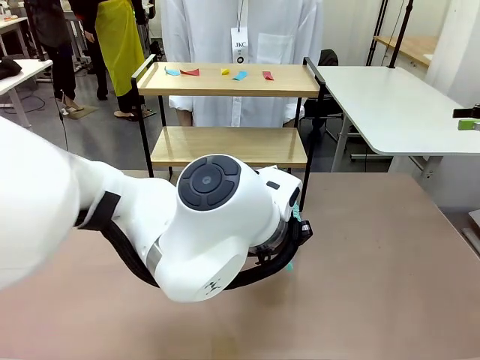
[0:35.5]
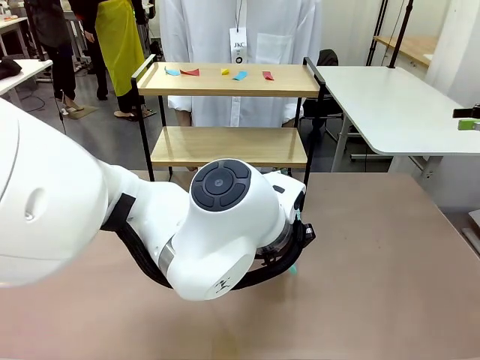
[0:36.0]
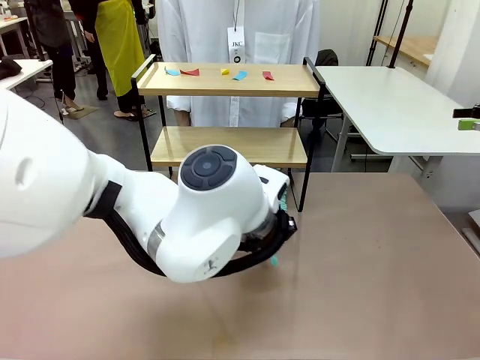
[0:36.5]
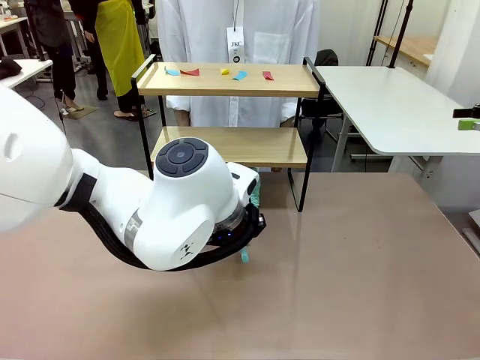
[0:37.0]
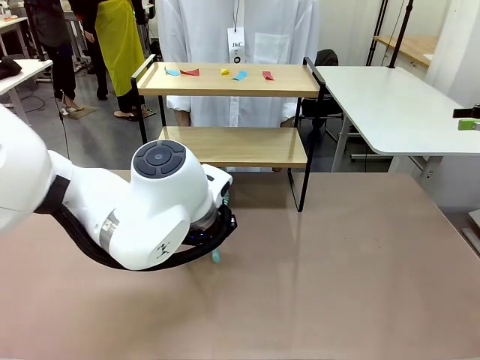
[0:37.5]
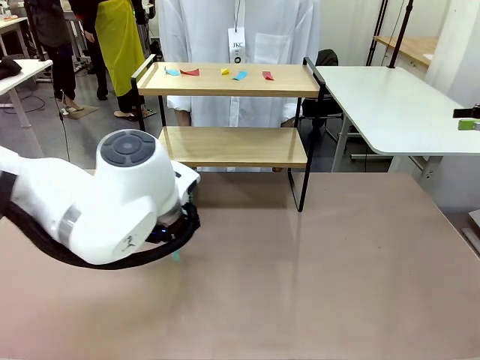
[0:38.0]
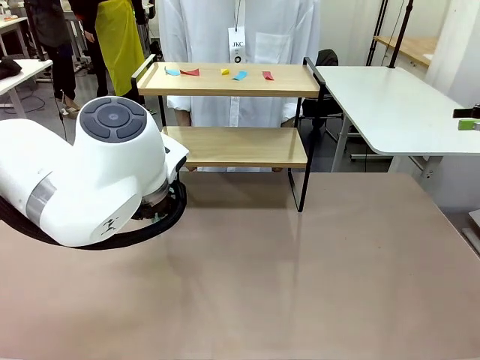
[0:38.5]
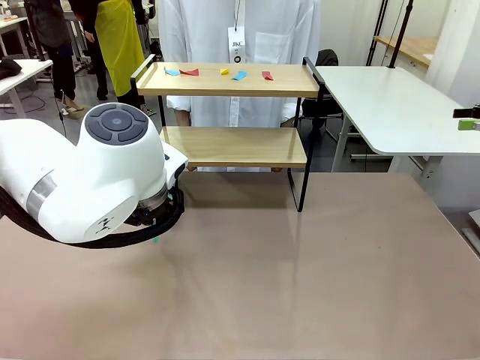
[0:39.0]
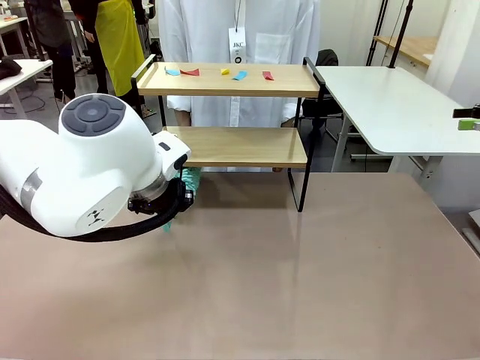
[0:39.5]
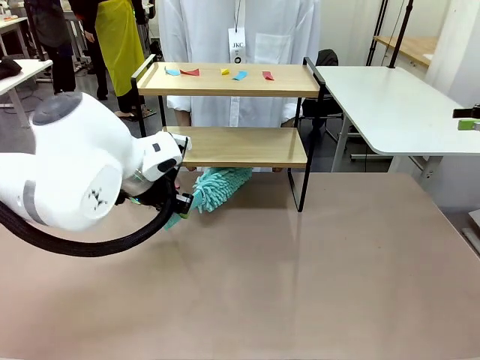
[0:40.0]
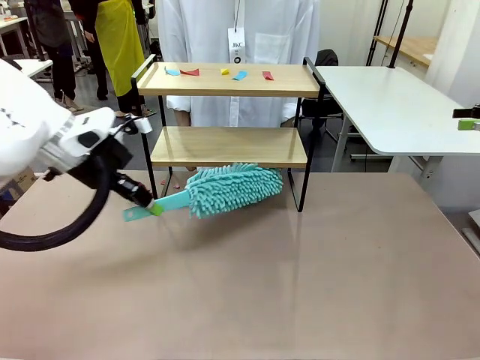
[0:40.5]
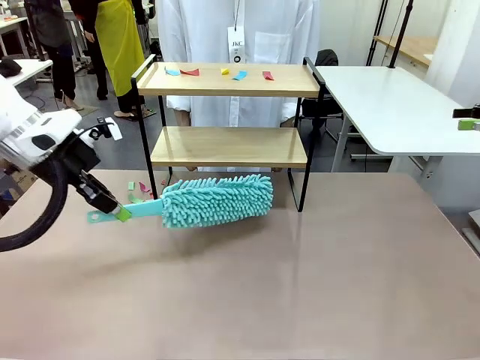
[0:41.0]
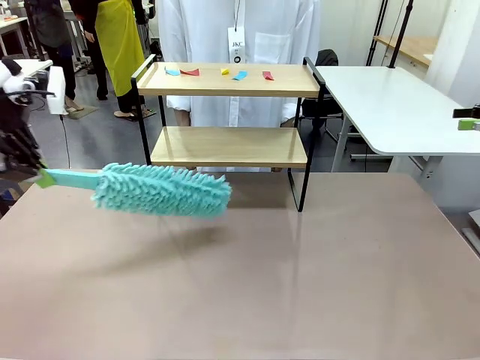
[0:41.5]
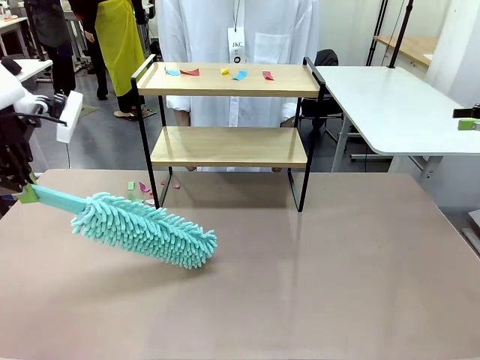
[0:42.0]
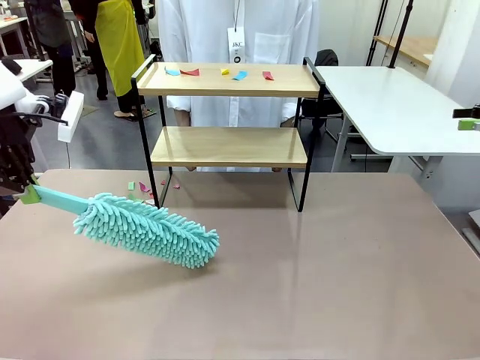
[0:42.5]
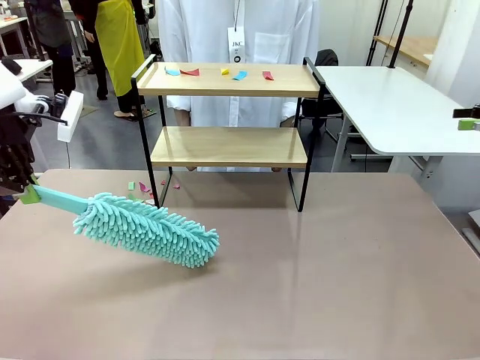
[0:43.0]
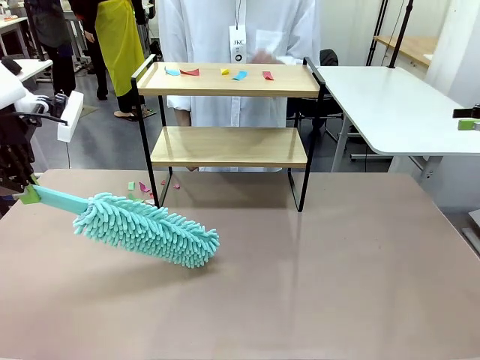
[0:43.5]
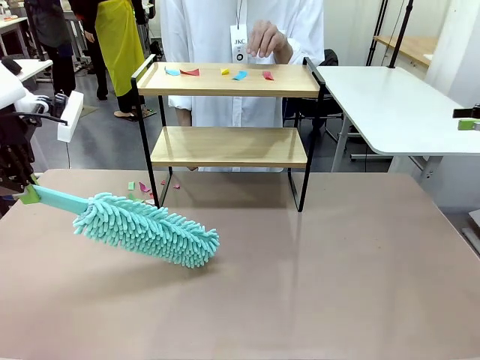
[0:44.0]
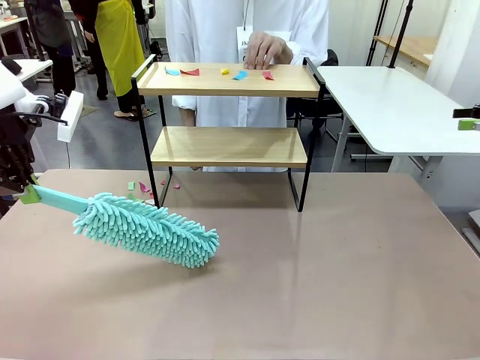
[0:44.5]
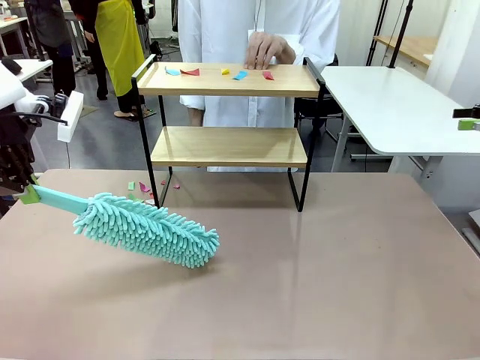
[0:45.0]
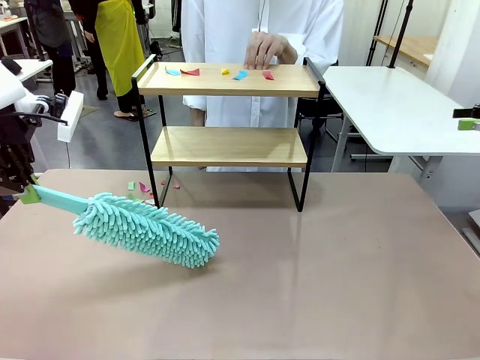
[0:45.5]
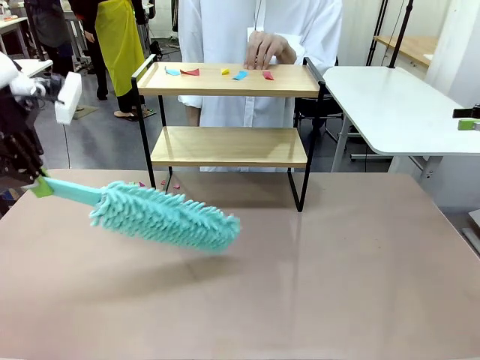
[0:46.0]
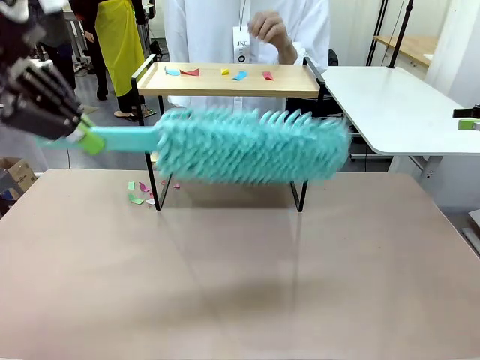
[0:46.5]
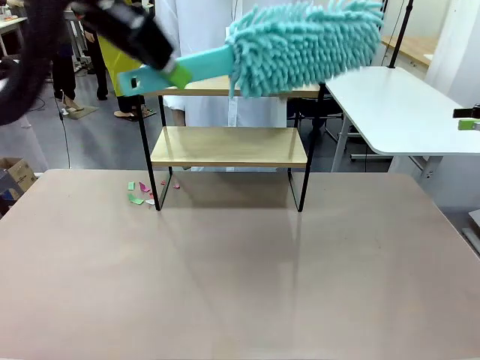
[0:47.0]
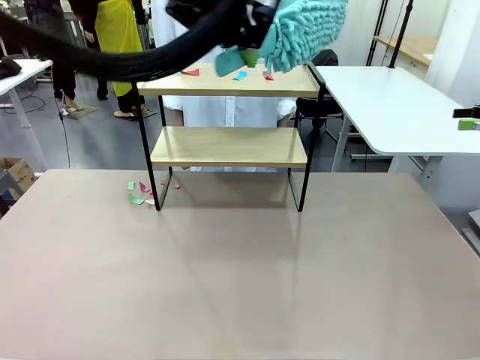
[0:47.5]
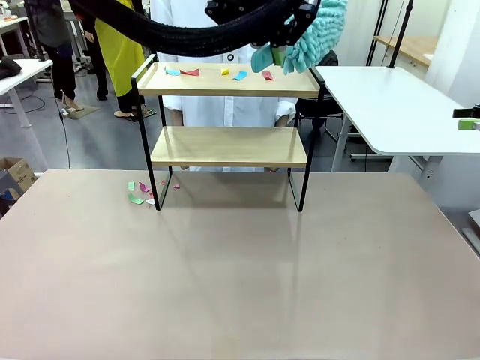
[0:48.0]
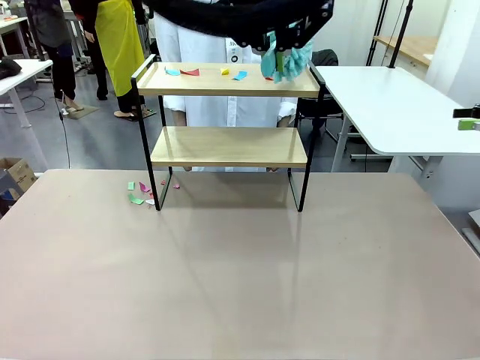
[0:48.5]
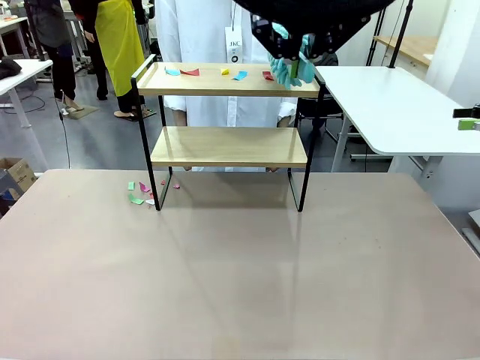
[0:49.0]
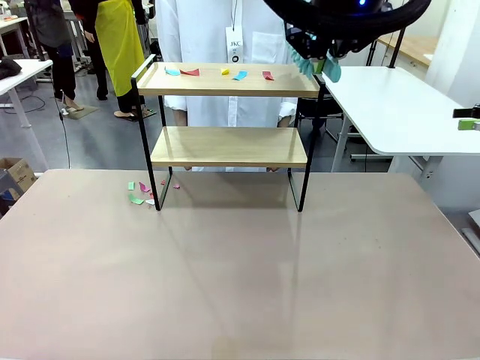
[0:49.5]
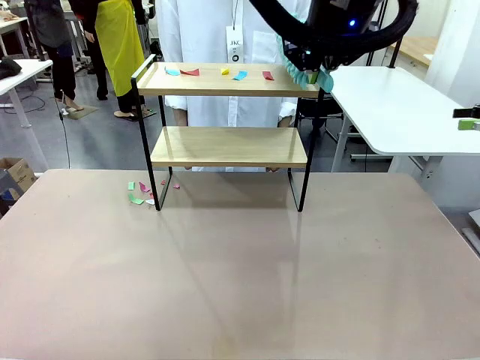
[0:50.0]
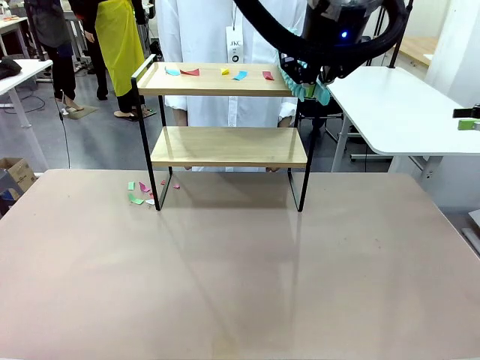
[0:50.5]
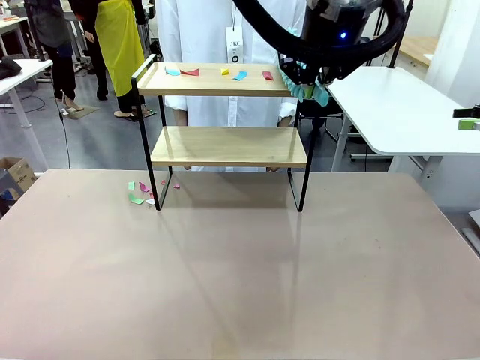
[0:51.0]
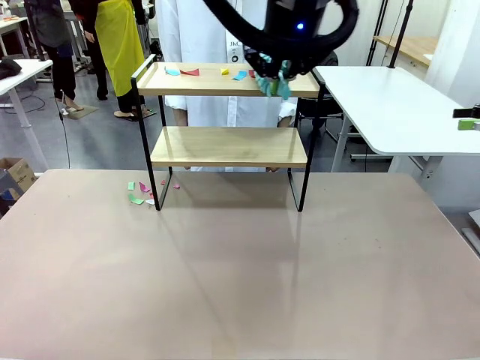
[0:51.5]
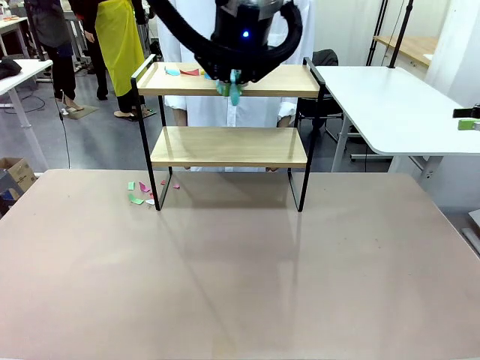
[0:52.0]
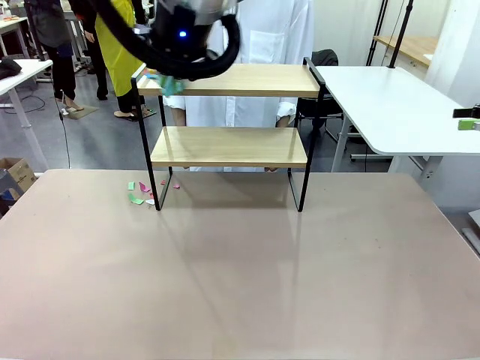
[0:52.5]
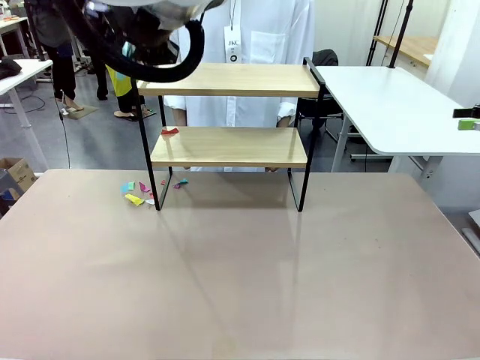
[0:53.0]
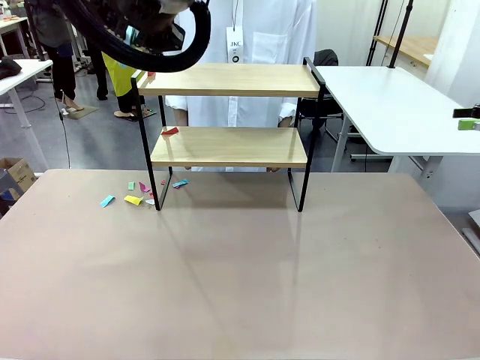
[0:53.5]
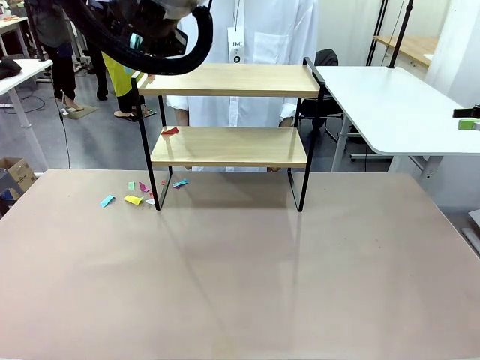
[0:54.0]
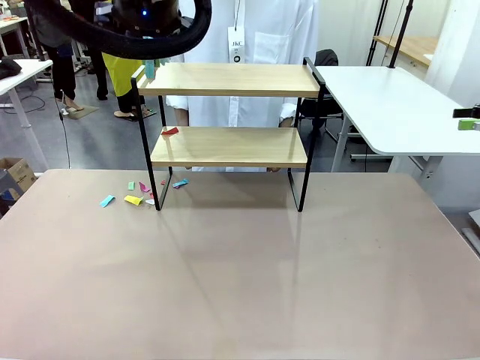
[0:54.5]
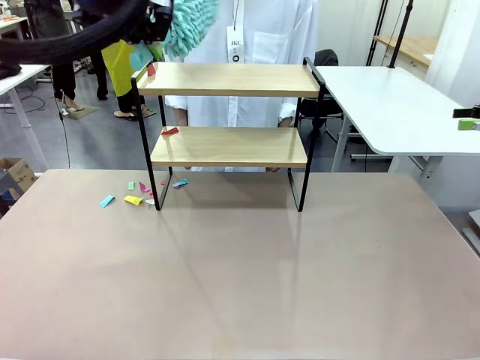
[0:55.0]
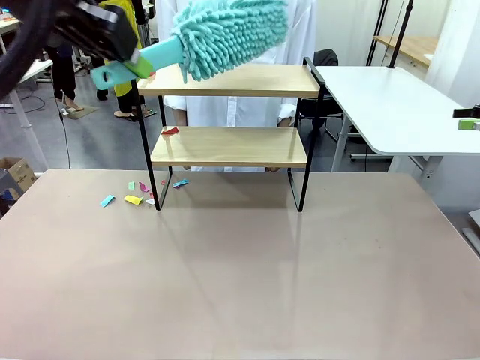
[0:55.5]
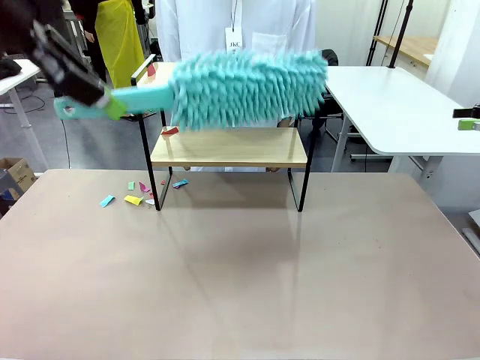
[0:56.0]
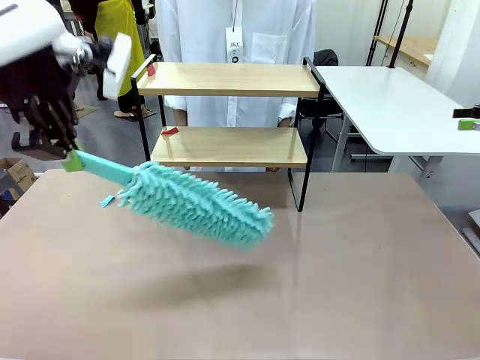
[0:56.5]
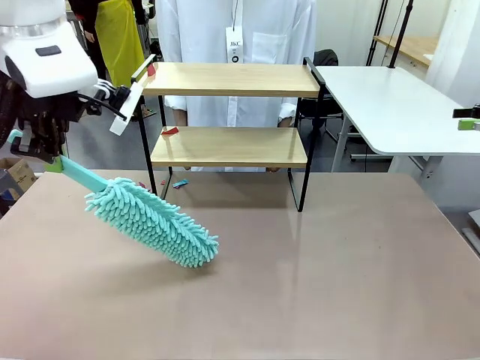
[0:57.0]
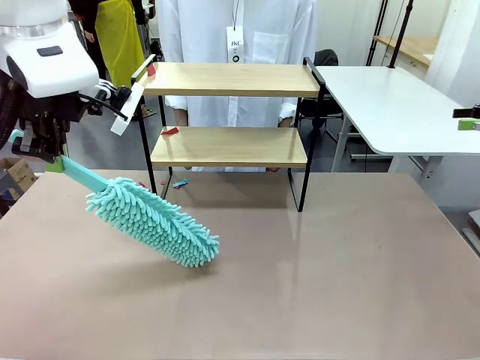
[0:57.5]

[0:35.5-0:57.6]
Task: Clean the shelf.
Robot: Clean the specific section of the Shelf indicated by the human with the Duster.
Person: Point a remaining section of the Shelf.

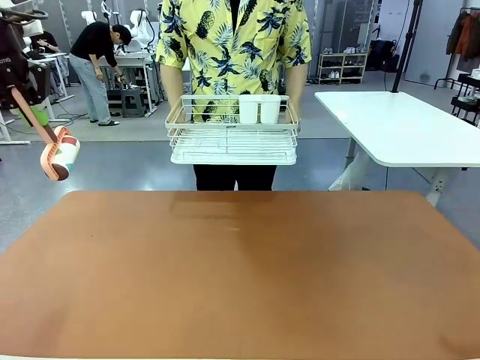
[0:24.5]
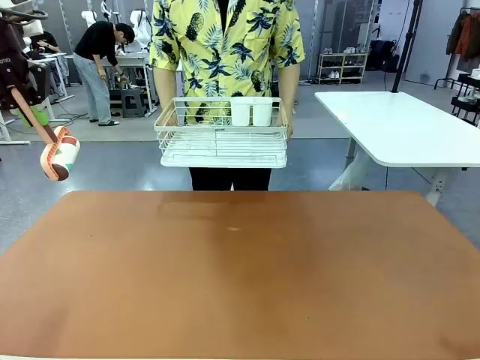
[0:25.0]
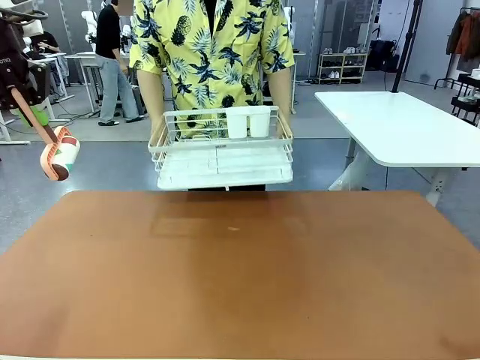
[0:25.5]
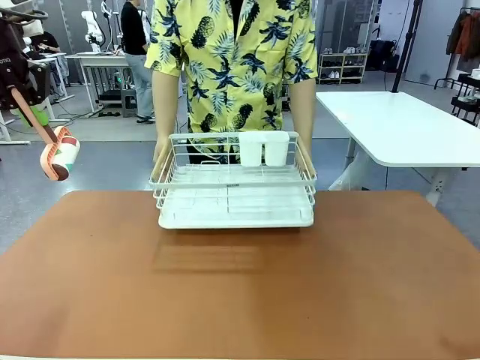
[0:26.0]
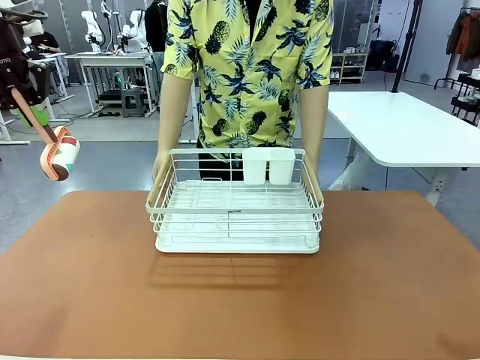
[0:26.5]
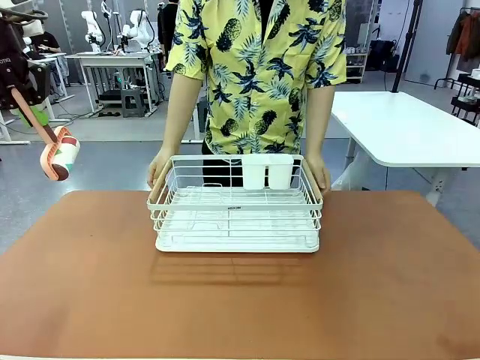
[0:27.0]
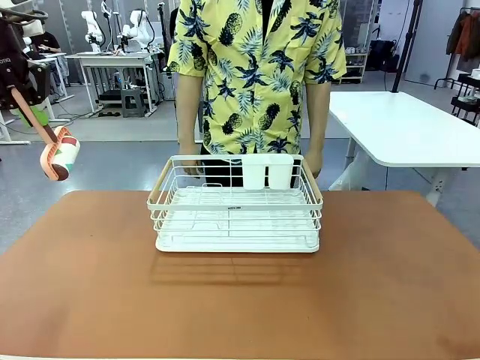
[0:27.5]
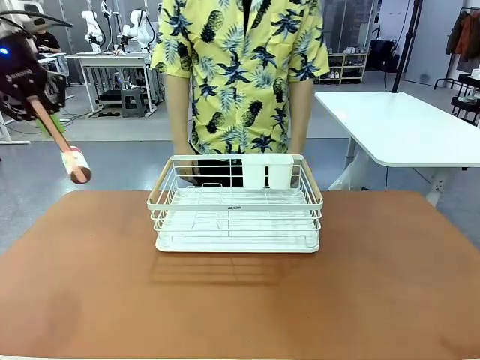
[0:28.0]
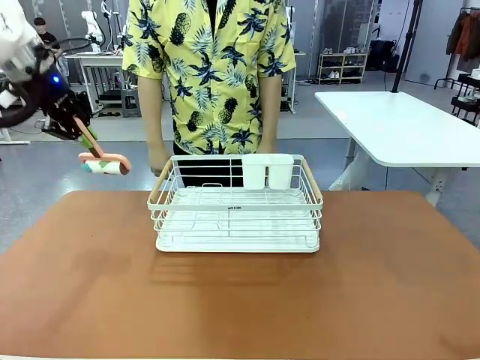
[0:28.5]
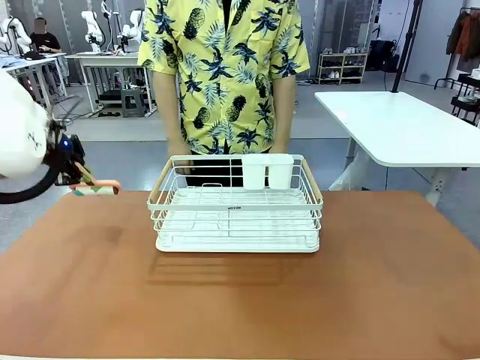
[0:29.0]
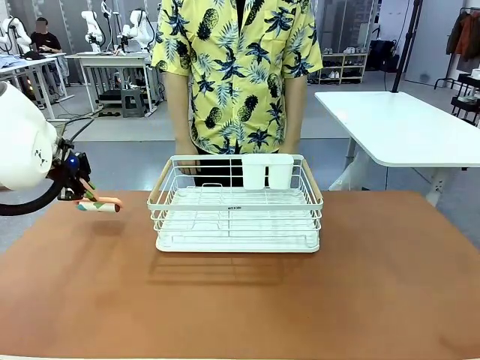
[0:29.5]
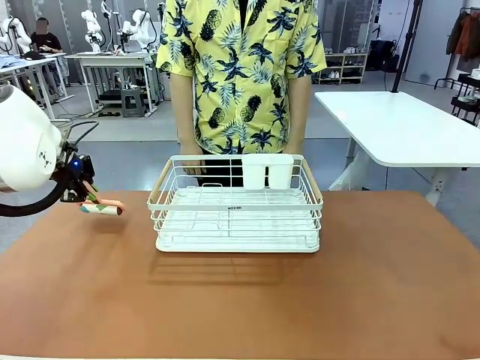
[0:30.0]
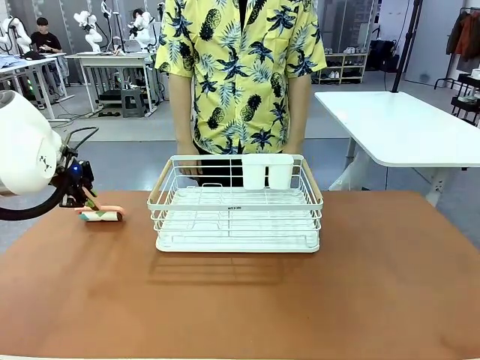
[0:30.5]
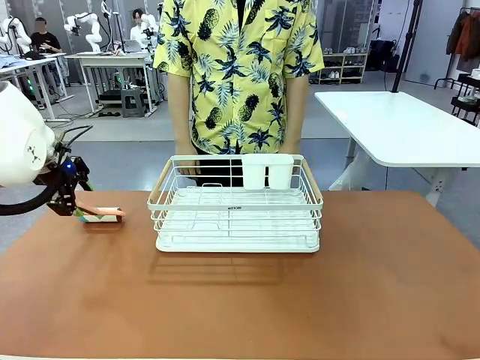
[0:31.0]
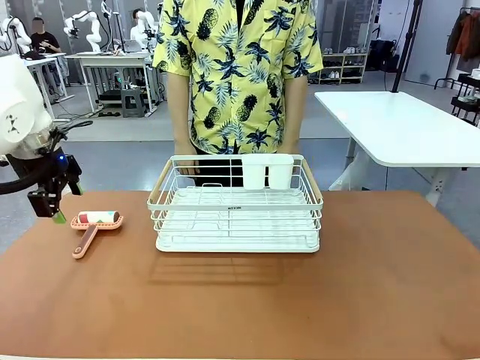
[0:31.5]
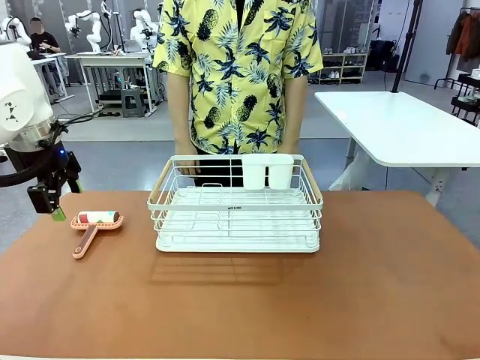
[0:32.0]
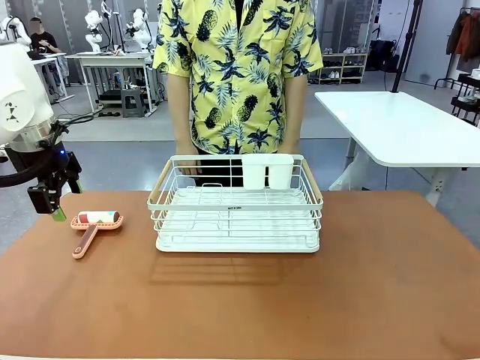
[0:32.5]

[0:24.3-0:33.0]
Task: Clean the table.
Robot: Place the Lint Roller down when the Dish drying rack is positioned in the middle of the table.
Person: Place the Dish drying rack down when the robot finishes cleaning.
